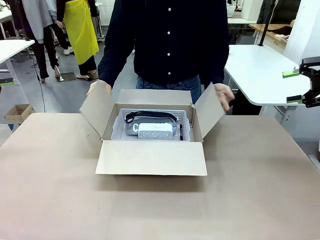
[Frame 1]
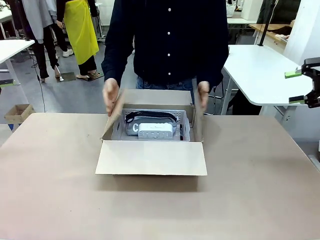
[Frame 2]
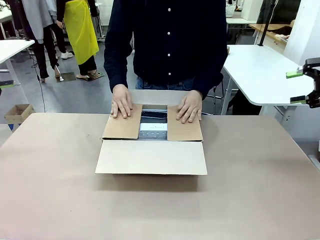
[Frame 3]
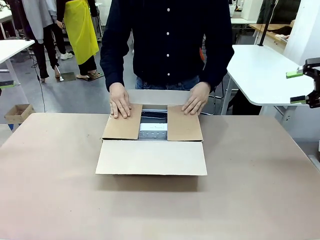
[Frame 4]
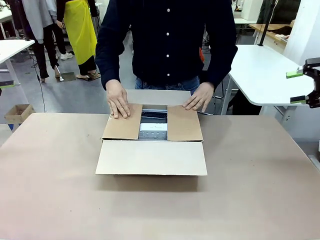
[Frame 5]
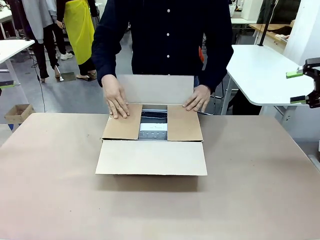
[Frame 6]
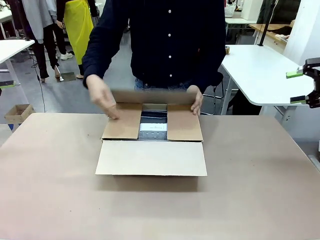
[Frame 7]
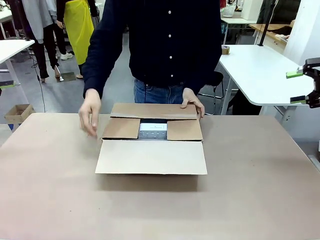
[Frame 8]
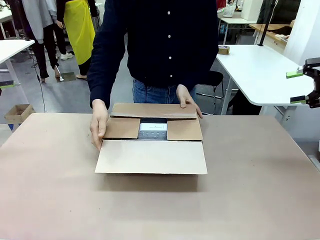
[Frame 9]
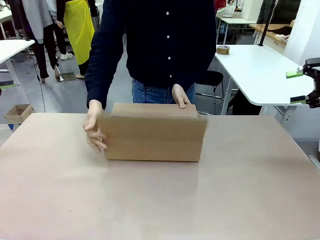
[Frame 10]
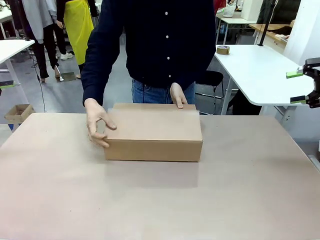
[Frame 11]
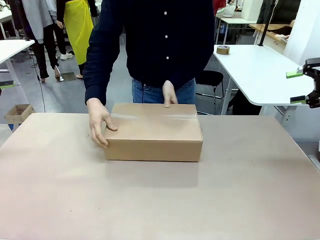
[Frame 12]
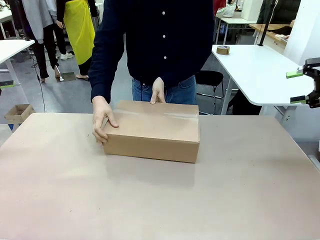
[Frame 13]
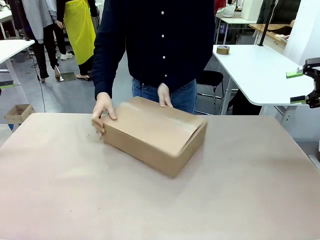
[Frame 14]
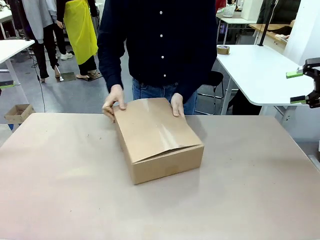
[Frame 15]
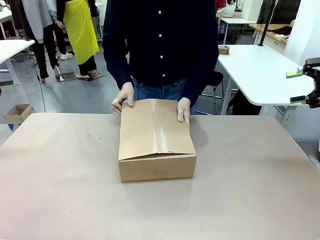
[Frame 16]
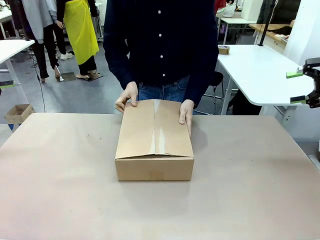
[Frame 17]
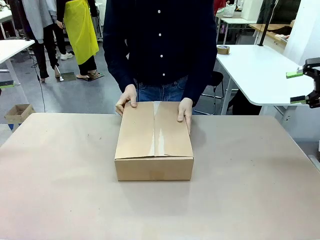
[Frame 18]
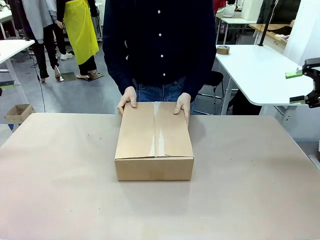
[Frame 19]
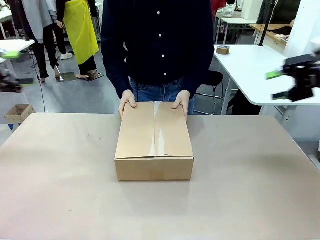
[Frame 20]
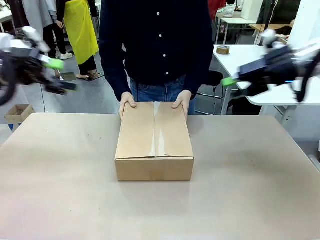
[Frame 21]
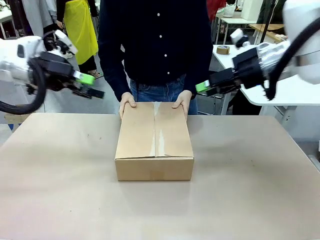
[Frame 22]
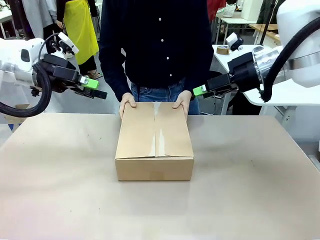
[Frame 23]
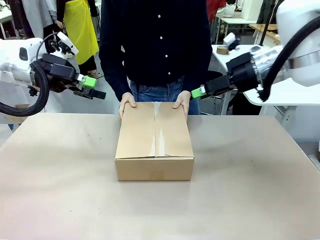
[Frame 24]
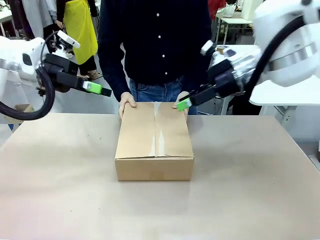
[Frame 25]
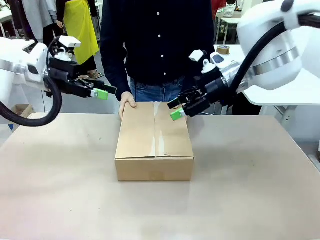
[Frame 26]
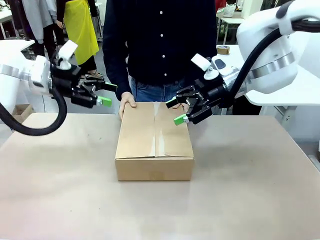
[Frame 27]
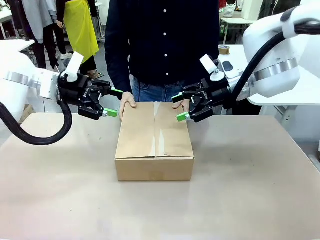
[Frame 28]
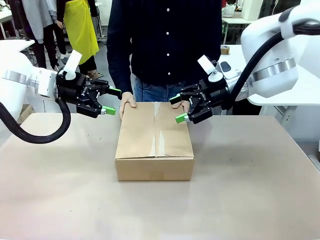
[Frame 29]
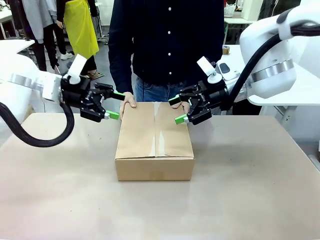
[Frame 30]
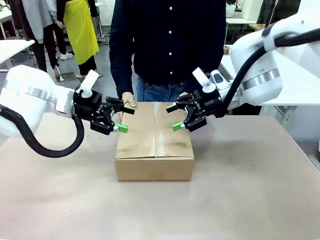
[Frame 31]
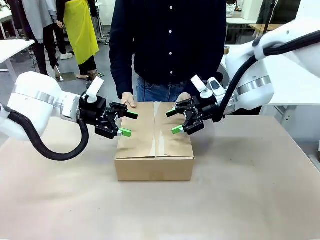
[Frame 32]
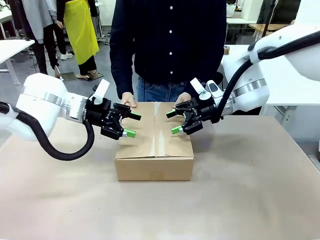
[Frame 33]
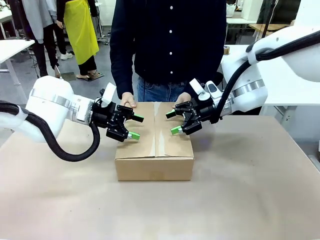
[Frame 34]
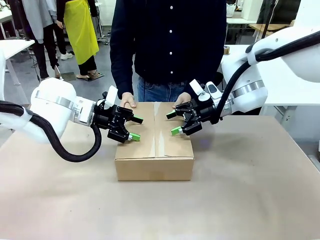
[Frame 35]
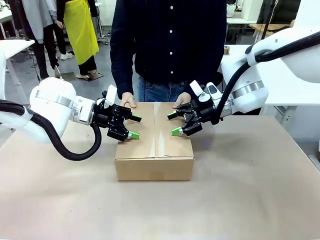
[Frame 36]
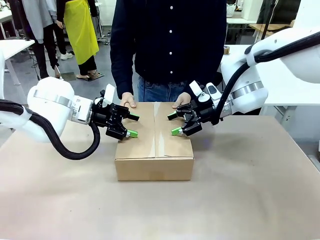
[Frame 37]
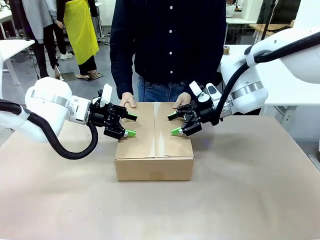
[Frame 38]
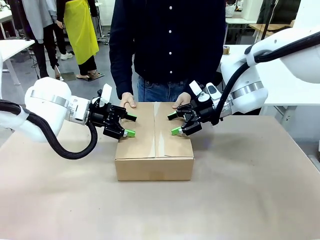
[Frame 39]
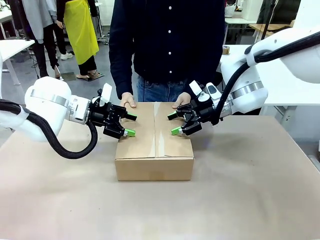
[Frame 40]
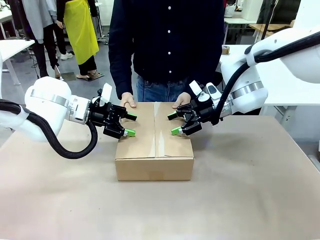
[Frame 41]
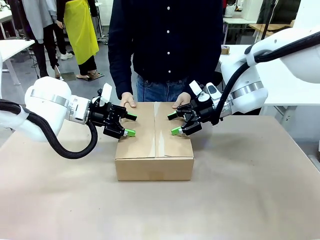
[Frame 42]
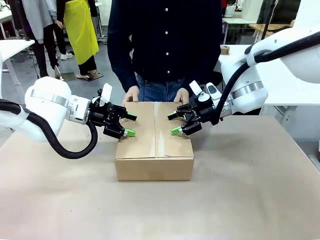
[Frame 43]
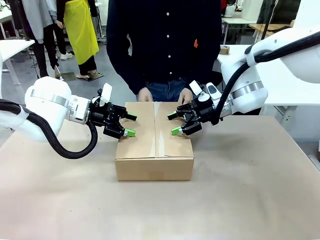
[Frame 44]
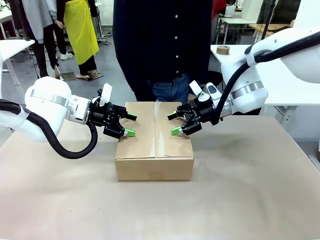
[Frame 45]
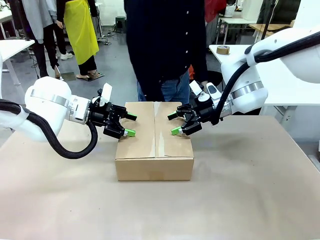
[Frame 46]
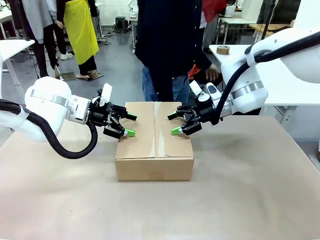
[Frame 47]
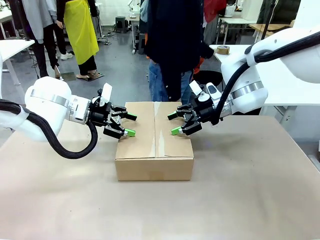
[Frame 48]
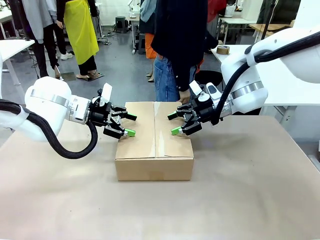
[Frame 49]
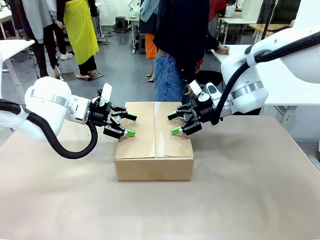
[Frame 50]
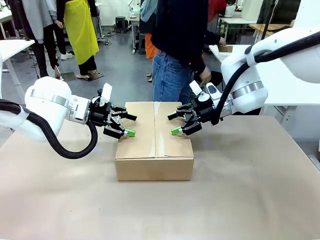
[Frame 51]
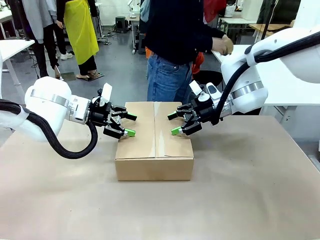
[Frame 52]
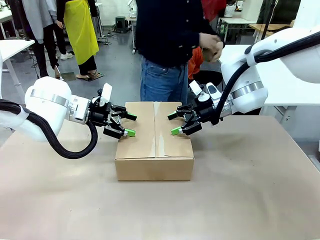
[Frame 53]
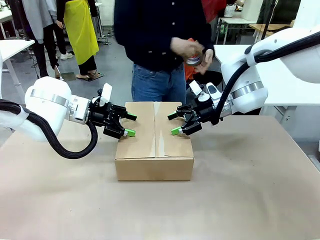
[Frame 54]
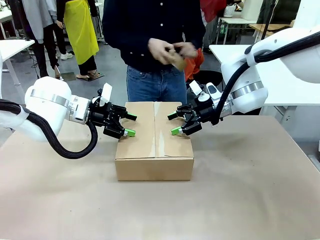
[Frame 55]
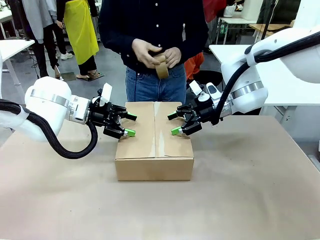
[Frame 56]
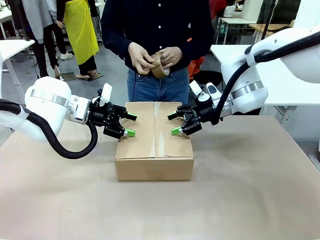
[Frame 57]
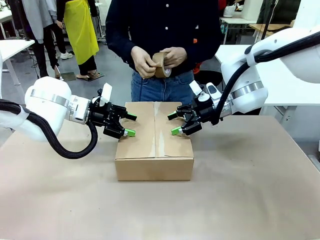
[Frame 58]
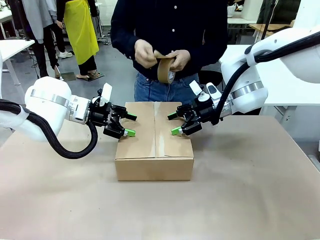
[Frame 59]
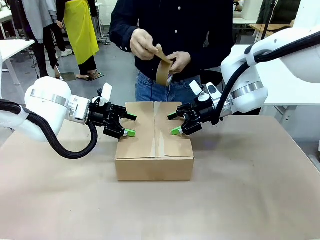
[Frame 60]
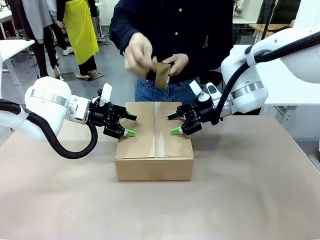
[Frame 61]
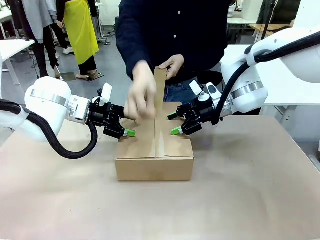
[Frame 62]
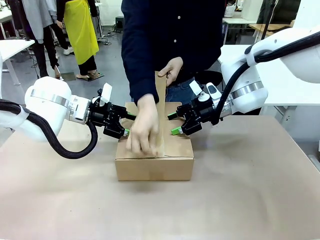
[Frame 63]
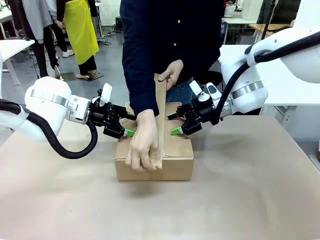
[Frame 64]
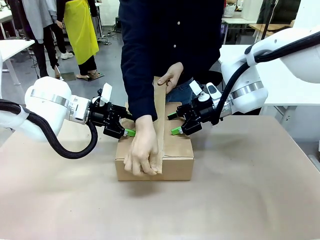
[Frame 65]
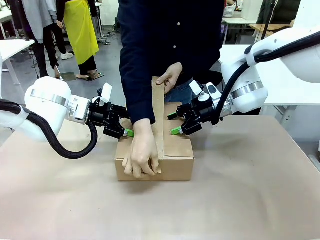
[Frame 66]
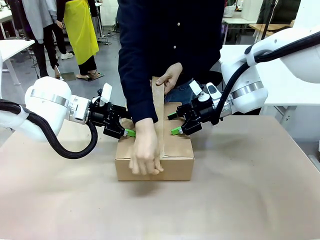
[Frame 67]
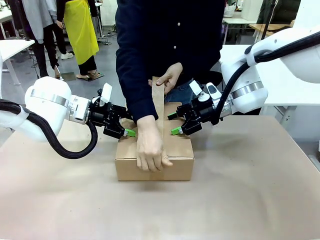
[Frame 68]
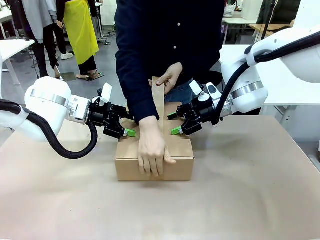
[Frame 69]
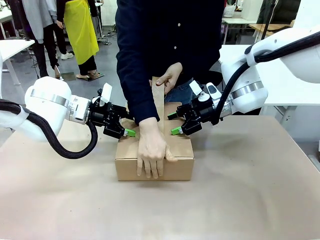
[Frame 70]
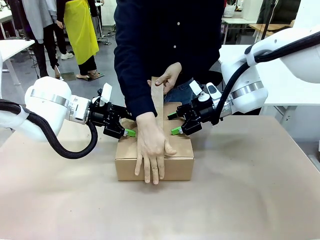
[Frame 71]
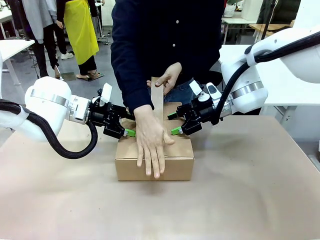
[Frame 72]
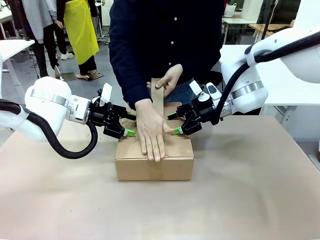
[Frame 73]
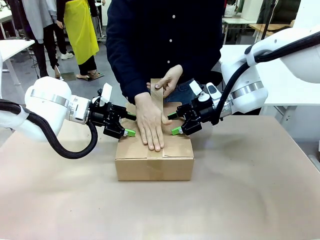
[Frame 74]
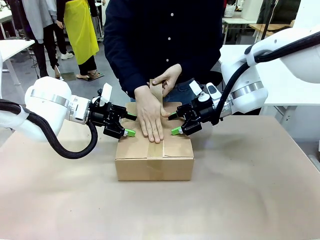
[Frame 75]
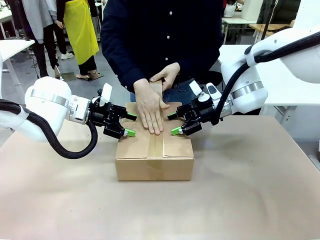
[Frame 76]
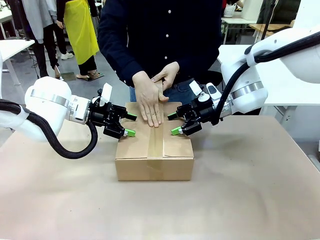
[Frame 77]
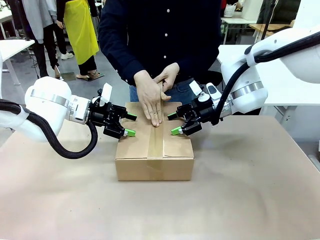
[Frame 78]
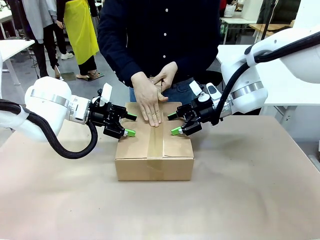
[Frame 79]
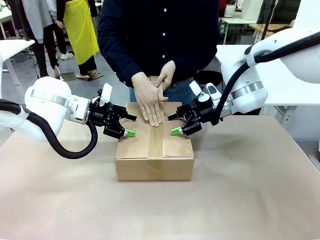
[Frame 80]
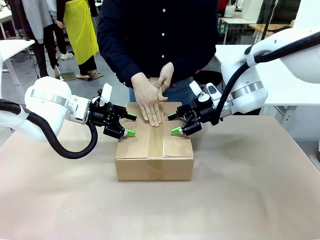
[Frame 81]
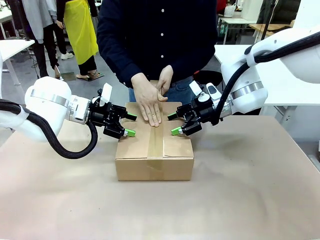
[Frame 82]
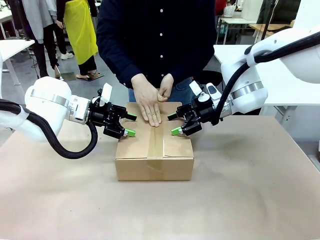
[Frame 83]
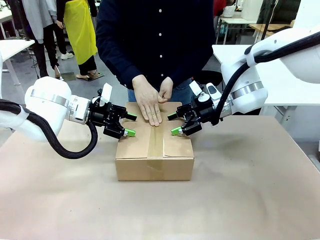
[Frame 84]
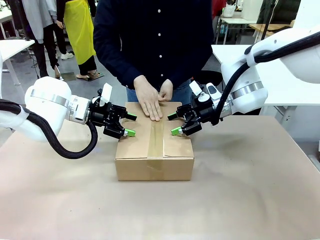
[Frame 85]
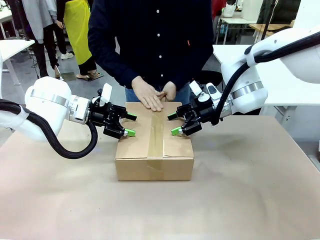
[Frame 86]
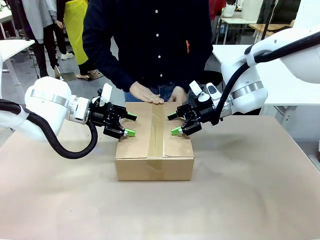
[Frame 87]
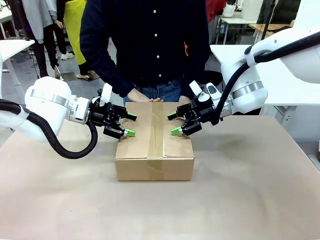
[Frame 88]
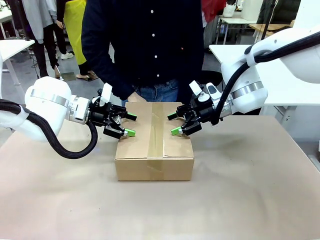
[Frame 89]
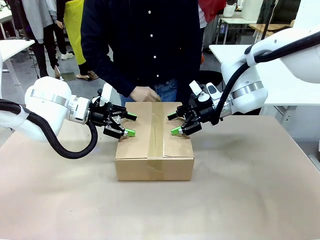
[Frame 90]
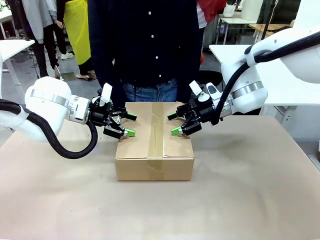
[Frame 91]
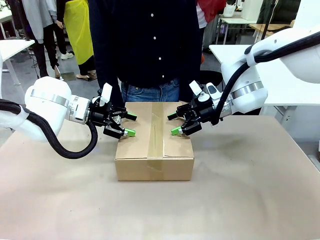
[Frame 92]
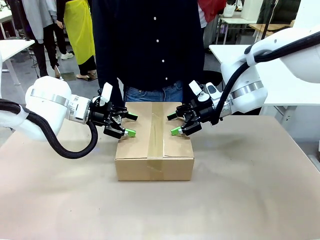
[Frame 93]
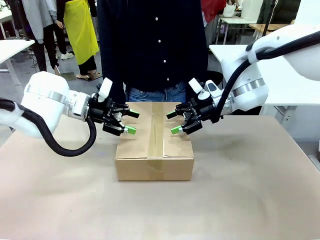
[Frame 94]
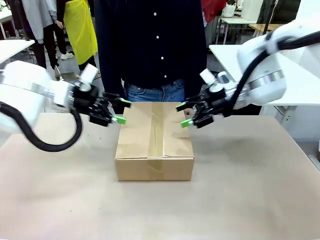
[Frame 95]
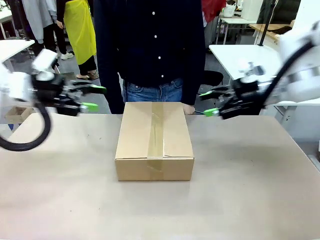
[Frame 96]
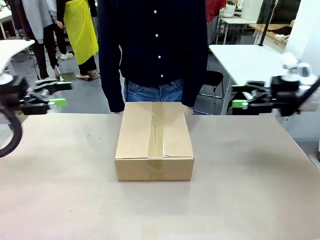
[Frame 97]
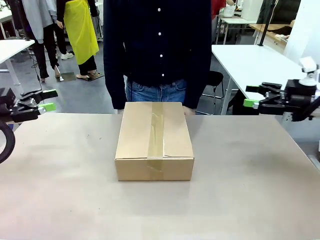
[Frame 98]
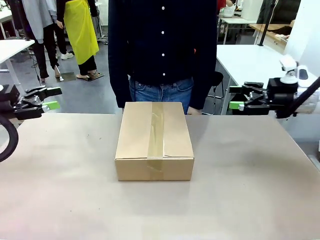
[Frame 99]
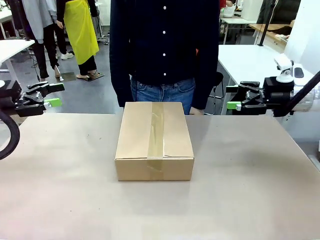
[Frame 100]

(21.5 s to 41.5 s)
Task: Pack the gift set into the box.
Robot: Press and hold the closed box until the human finishes sealing it.
Person: The human closes the box and rotates the box by 90 degrees. The human picks up the paper tape from the human table and packs the box.
